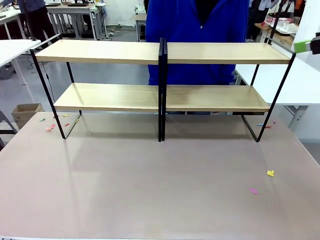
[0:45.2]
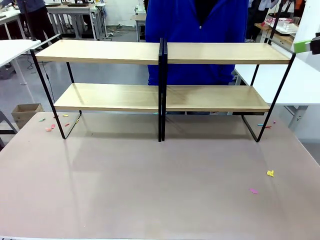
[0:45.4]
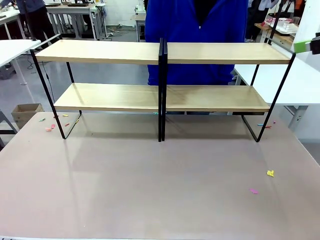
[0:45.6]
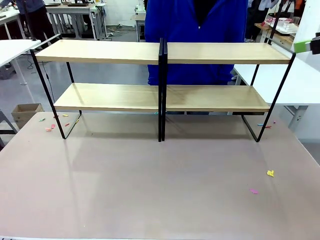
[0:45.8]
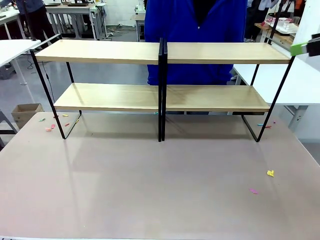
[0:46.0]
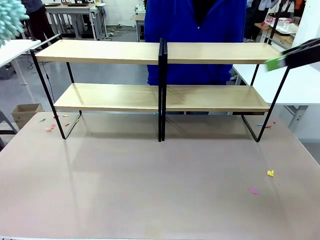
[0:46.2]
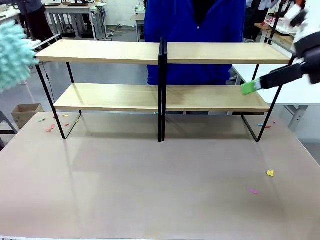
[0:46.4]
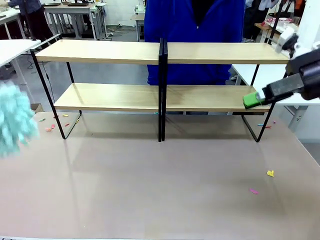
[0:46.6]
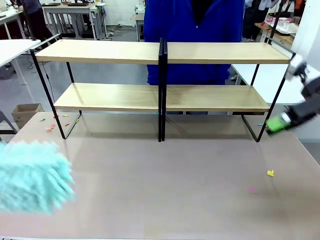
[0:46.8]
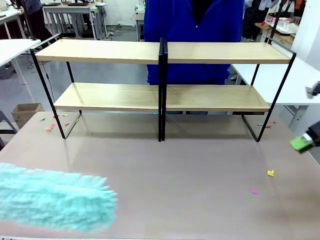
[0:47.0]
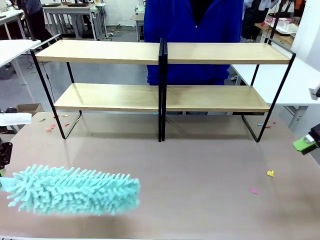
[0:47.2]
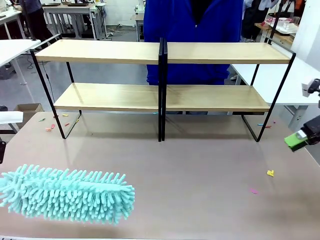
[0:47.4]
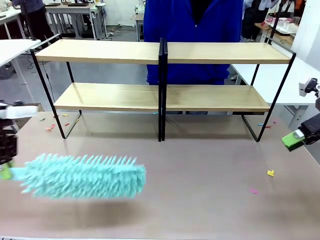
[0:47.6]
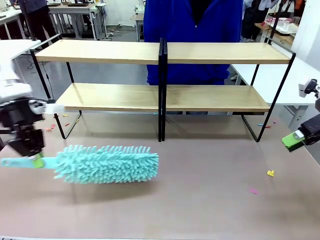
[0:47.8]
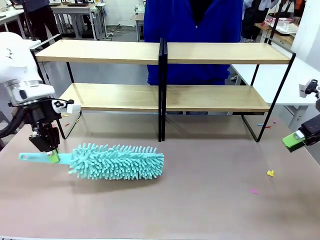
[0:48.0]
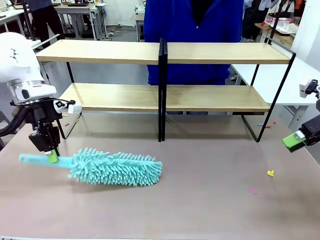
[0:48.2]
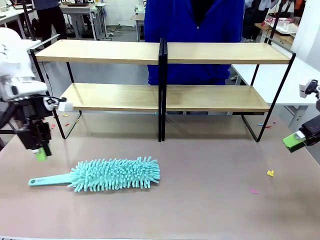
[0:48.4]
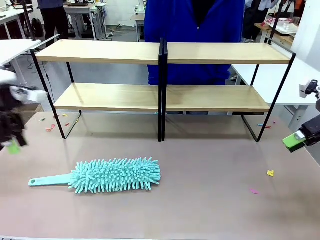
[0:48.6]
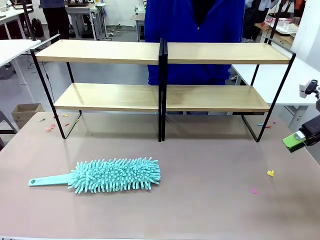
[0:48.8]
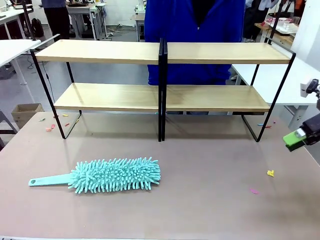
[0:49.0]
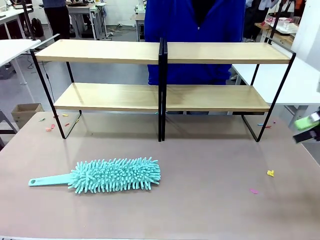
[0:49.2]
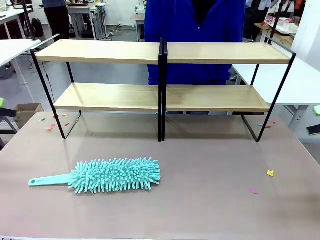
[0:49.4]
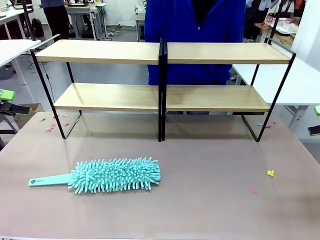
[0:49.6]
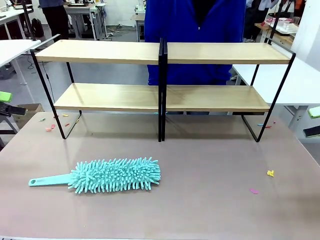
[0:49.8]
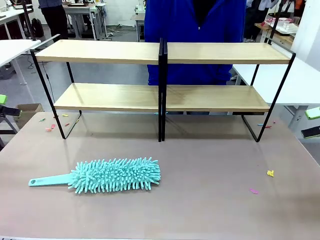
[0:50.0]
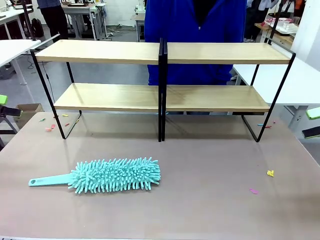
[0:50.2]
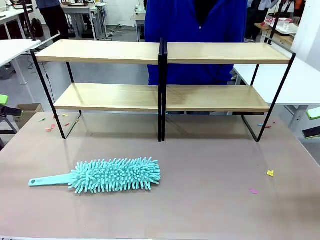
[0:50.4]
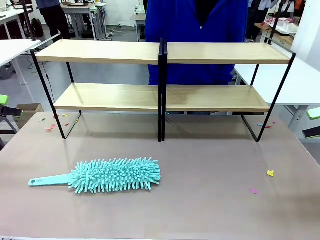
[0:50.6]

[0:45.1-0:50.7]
Task: Clean the shelves.
Robot: Place the Duster on the table.

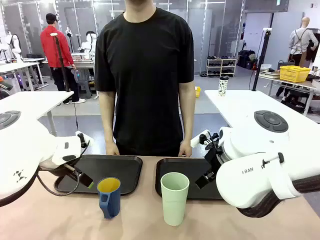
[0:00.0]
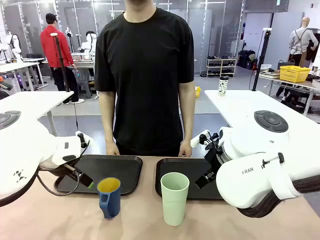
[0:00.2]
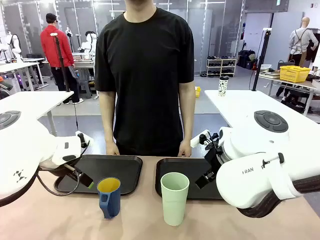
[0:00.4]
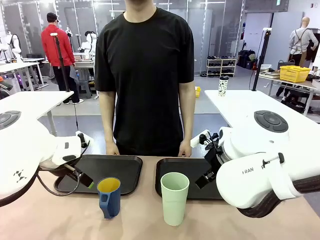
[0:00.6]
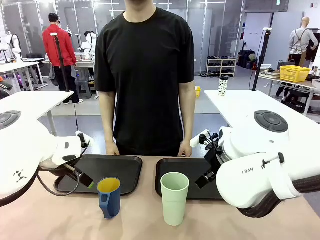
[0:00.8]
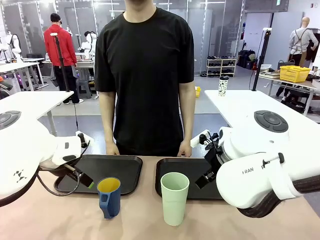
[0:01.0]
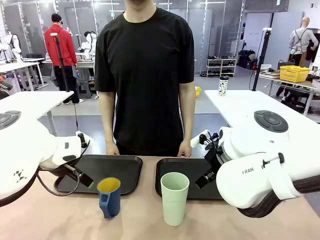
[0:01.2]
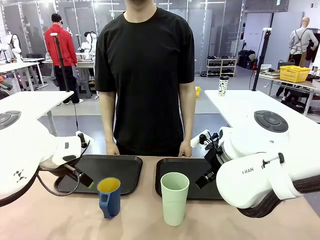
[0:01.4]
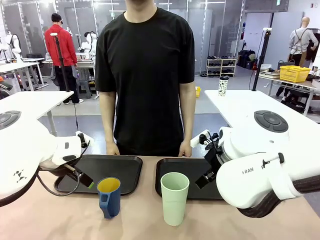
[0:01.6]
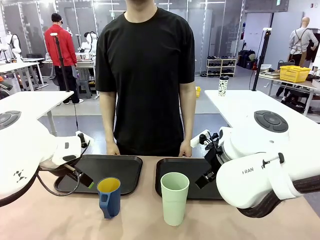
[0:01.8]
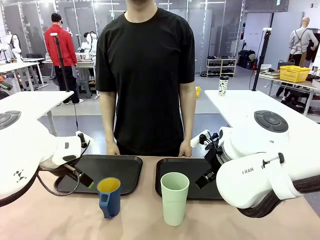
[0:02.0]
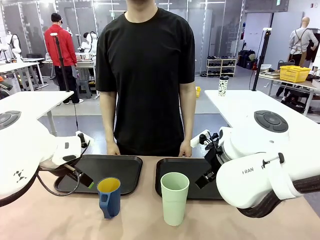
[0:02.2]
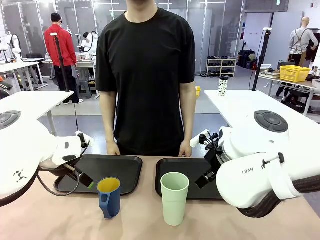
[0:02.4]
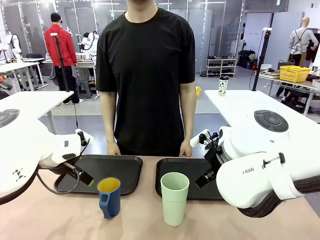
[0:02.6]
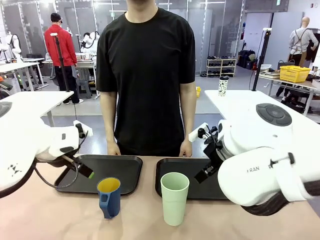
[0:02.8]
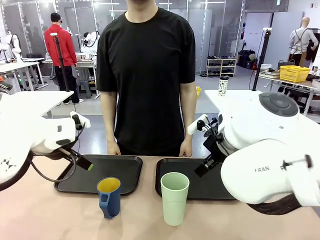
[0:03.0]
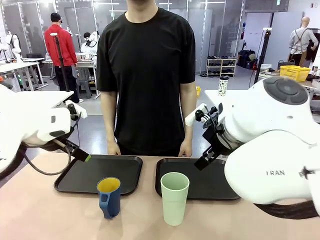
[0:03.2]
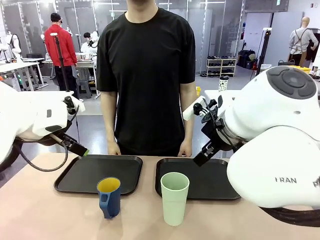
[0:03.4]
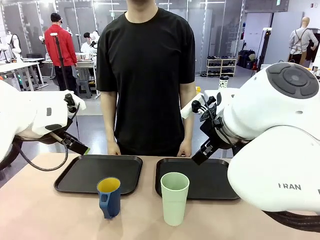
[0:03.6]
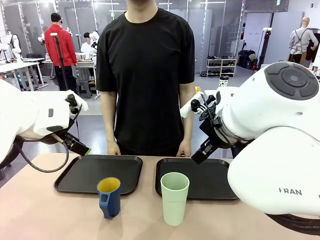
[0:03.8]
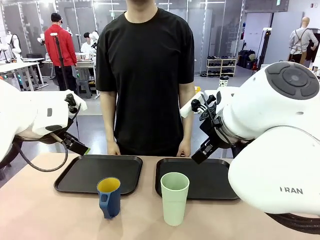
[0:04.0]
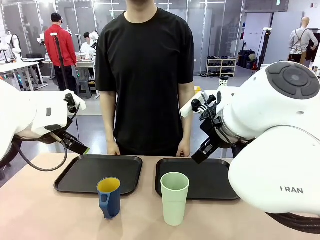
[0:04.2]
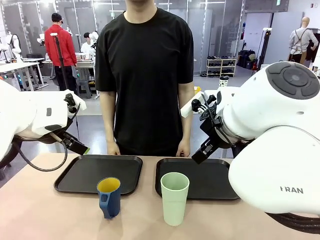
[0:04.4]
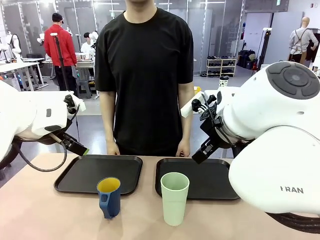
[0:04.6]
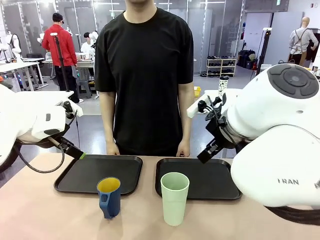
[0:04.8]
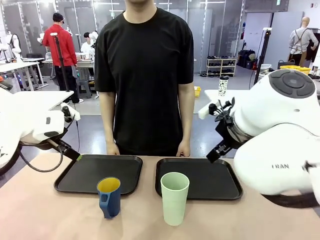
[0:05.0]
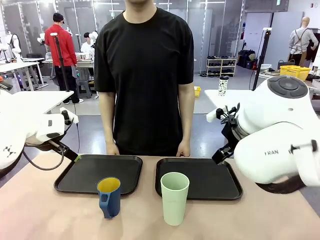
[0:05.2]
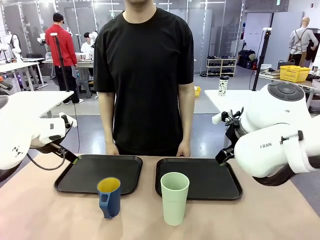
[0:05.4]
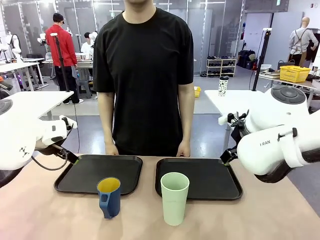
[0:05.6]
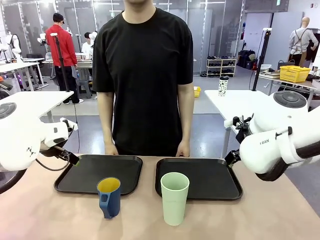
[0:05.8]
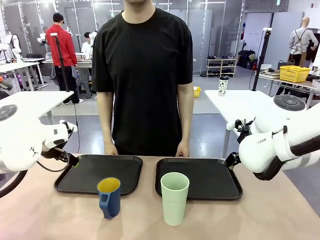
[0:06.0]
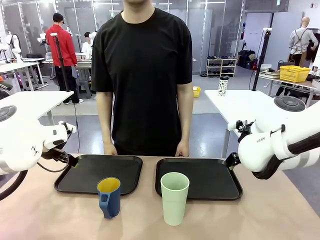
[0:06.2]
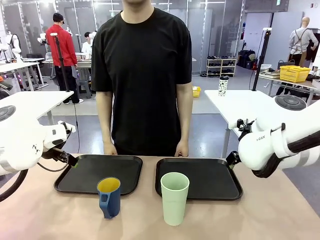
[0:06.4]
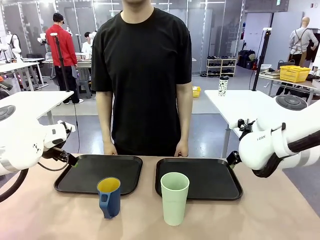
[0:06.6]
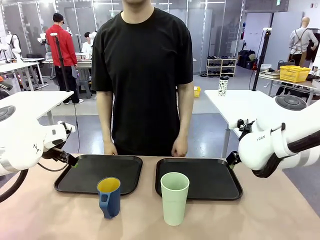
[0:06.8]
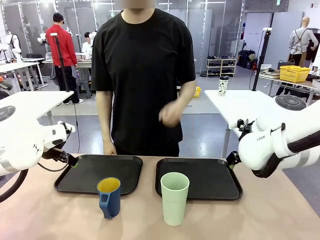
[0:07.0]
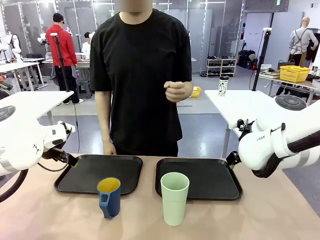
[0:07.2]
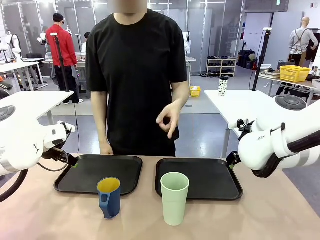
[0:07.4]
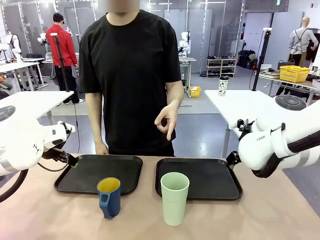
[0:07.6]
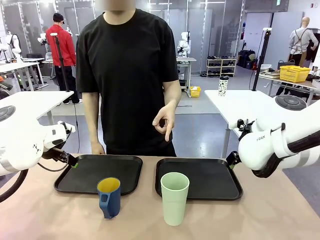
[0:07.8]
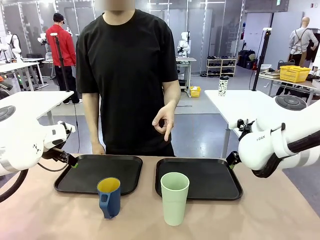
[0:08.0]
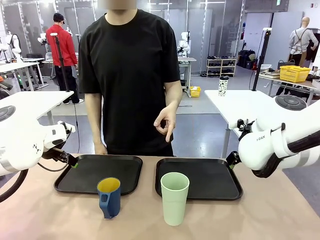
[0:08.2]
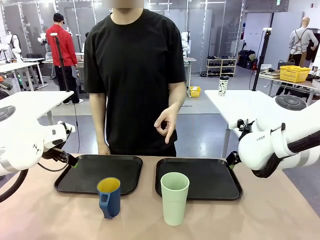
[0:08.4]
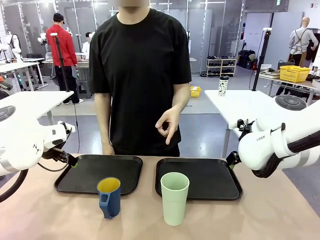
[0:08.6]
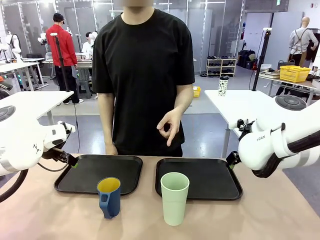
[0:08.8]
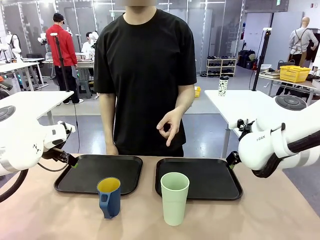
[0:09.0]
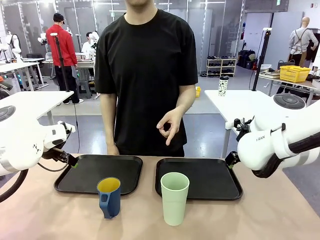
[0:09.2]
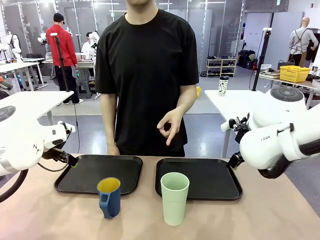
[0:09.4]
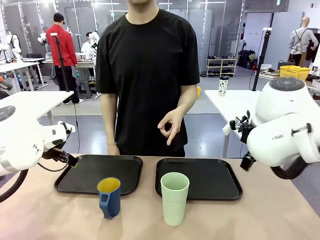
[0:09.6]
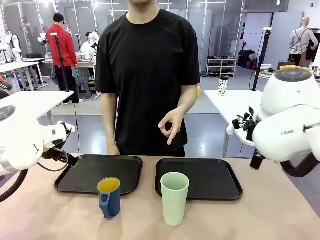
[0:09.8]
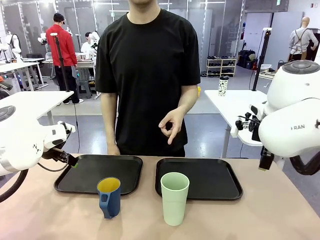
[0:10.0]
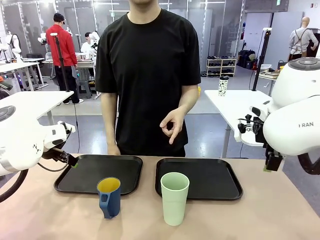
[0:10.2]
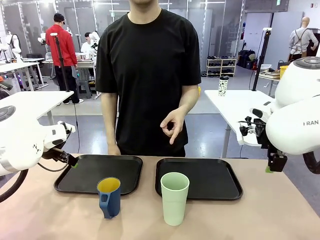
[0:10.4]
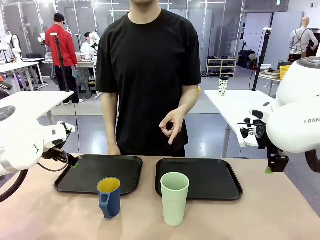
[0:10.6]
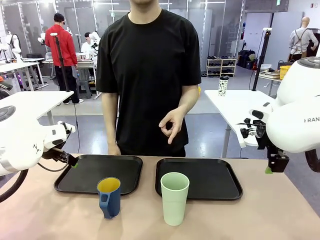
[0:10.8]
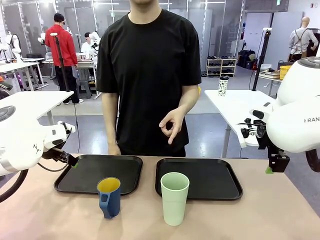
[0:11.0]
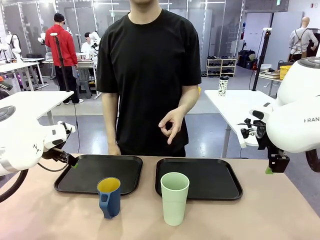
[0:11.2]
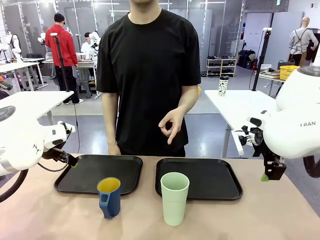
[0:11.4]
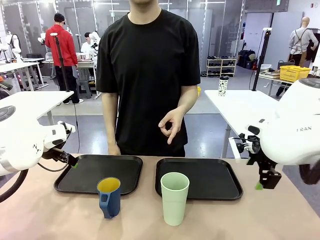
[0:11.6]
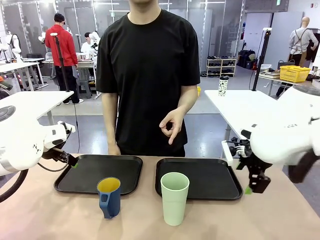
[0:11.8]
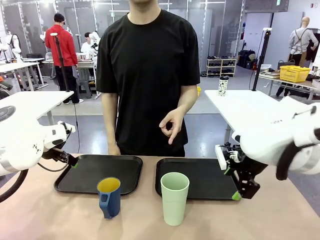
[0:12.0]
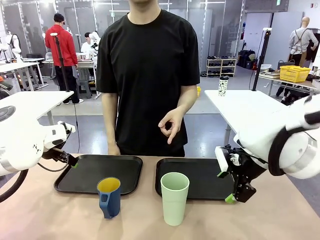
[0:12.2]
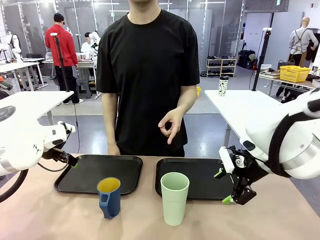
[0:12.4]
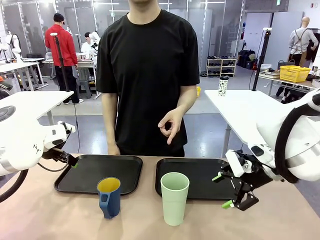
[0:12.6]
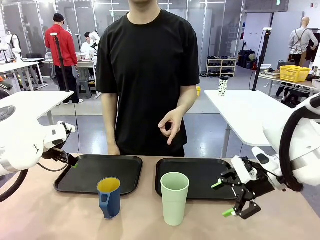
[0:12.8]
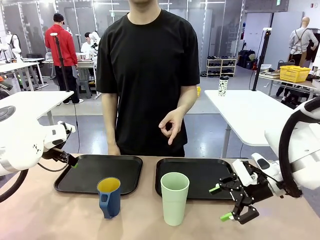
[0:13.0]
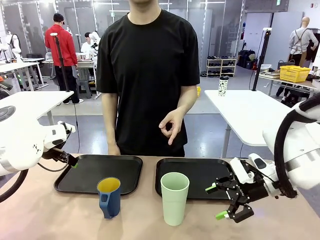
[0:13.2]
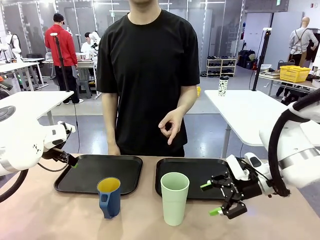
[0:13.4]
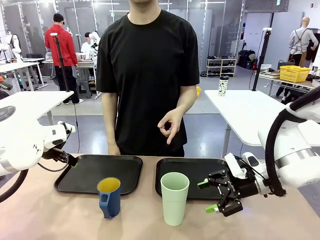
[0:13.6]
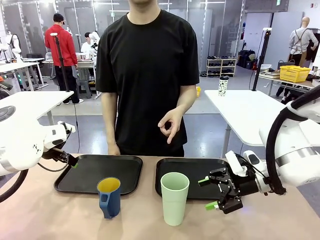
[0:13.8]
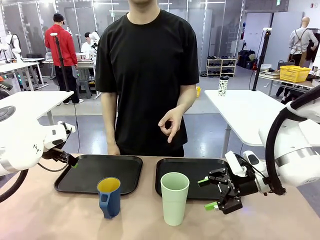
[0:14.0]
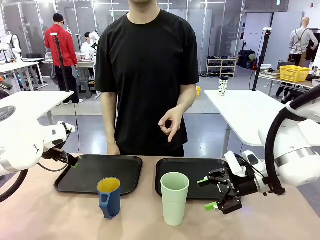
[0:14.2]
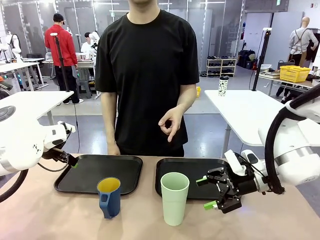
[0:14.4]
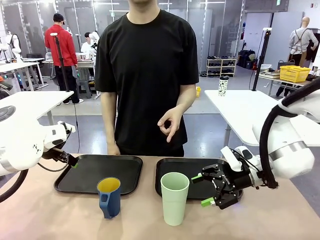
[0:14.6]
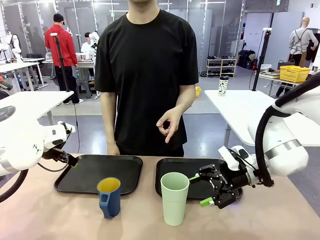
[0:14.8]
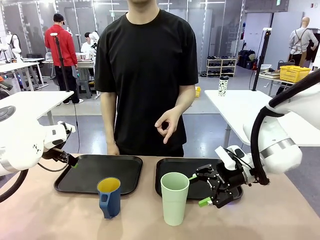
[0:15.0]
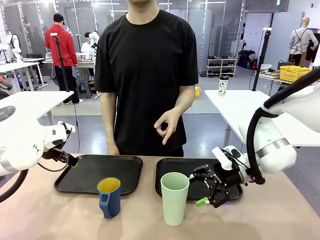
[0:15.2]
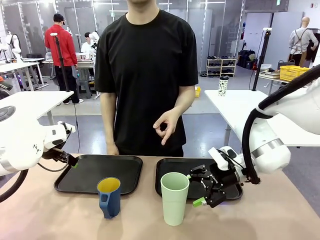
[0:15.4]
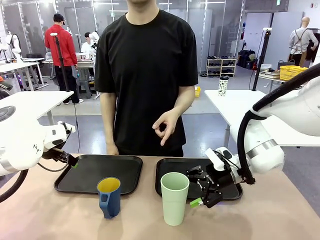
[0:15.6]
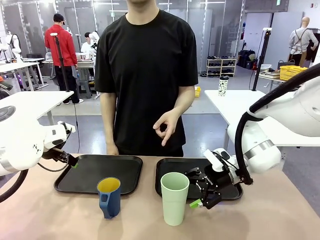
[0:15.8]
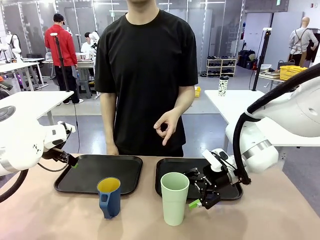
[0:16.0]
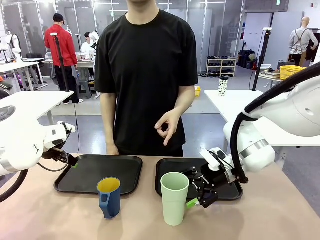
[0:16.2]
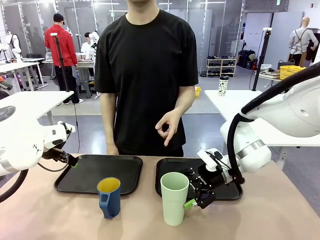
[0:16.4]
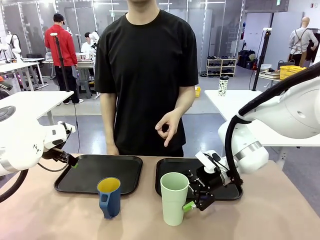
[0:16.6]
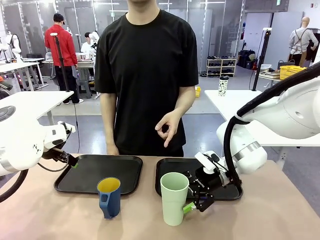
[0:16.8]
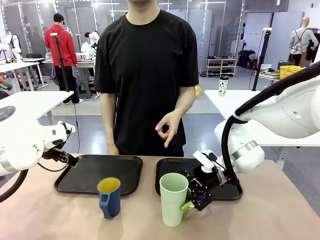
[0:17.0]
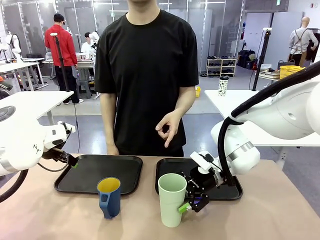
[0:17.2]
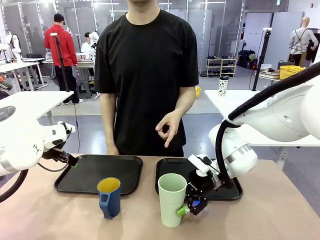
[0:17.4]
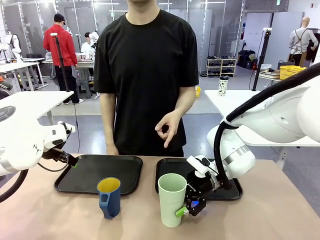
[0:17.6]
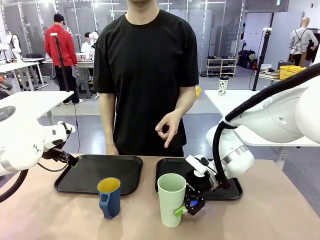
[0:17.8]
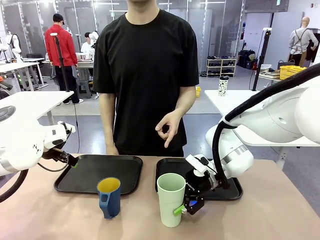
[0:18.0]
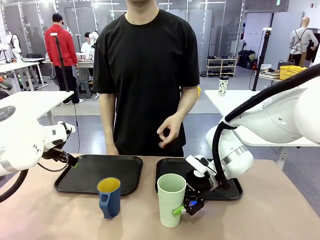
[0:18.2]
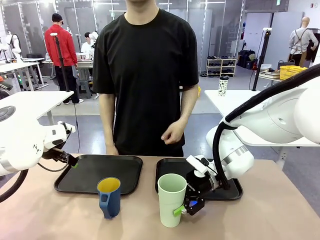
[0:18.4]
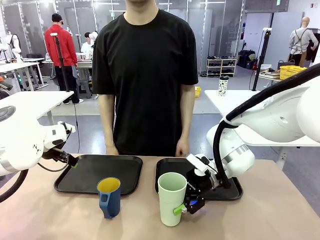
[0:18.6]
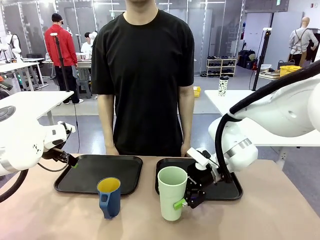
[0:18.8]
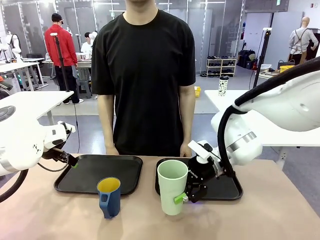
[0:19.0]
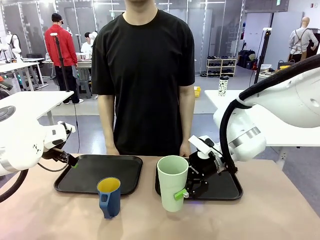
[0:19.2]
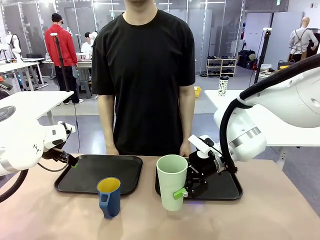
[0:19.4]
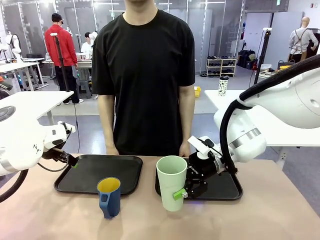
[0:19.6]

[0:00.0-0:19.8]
Task: Sort and store the cups by type.
Robot: Pick up the Reusable plastic cup.
Person: Points to the reusable cup. Point to one of the two trays.
